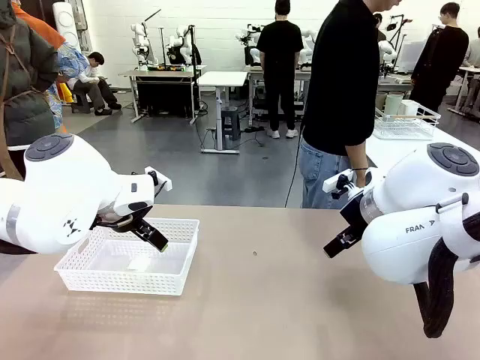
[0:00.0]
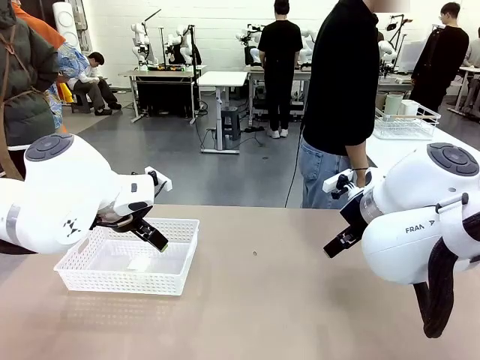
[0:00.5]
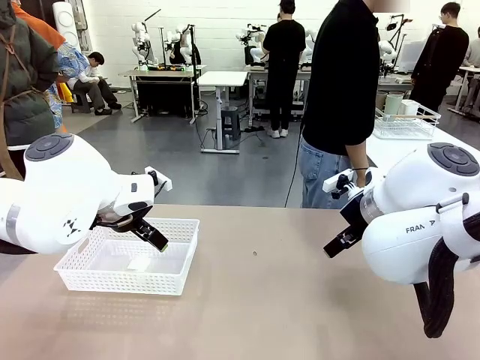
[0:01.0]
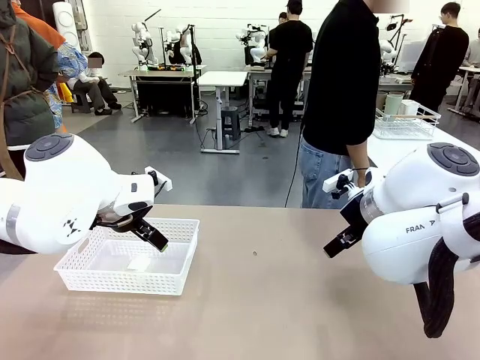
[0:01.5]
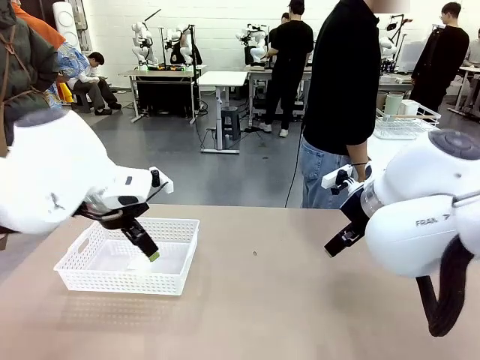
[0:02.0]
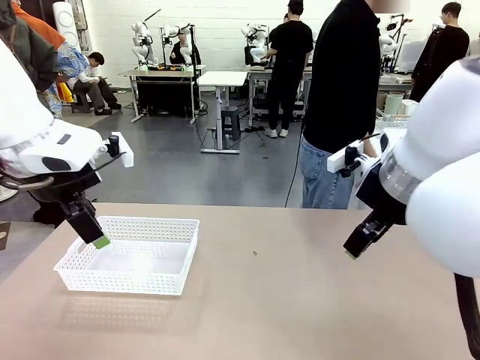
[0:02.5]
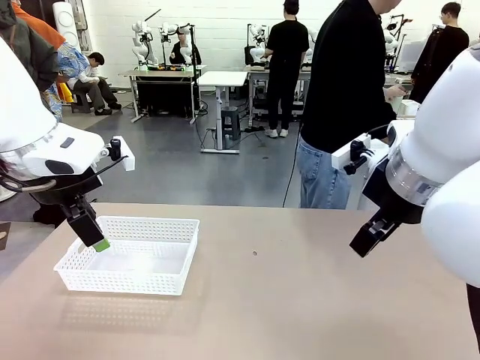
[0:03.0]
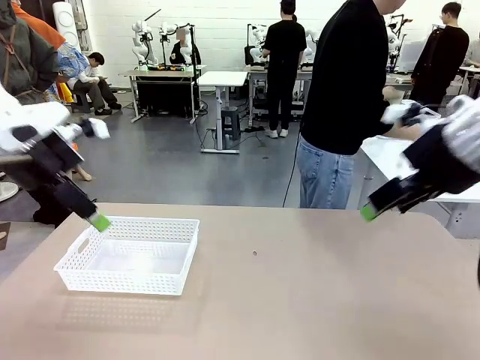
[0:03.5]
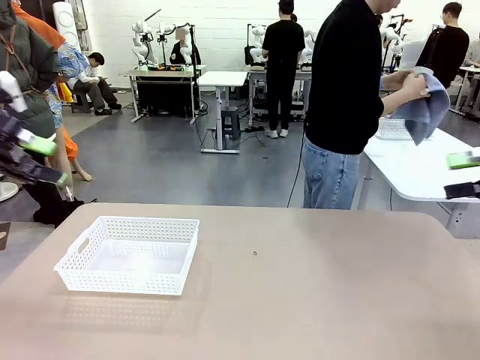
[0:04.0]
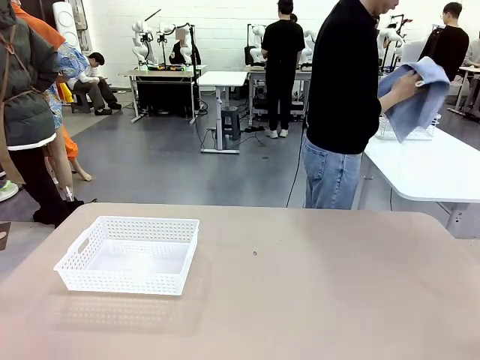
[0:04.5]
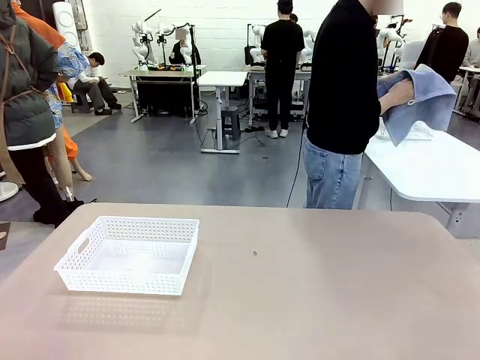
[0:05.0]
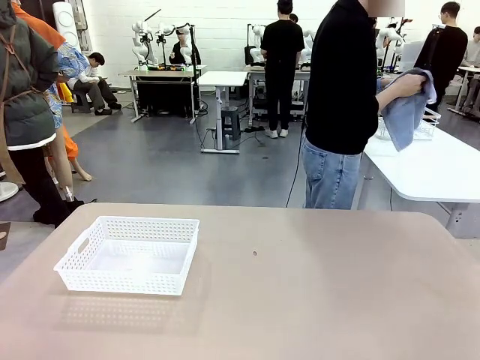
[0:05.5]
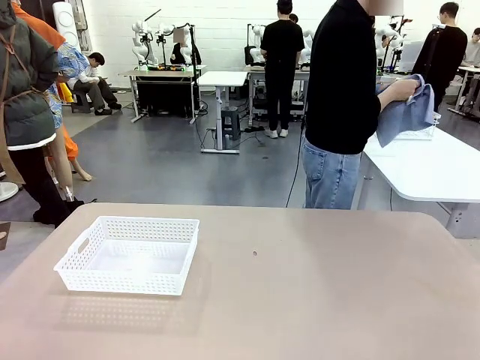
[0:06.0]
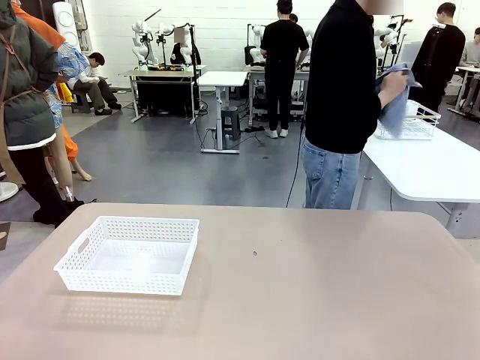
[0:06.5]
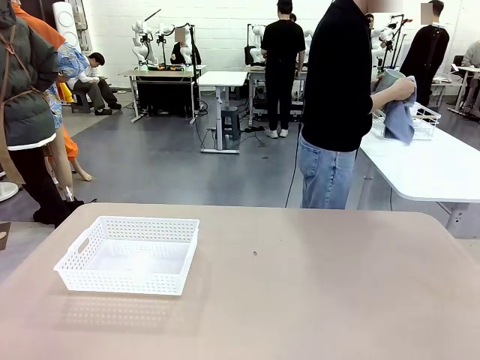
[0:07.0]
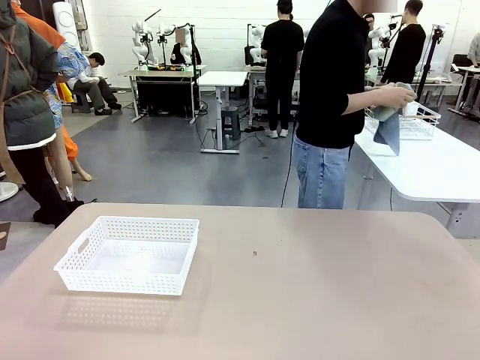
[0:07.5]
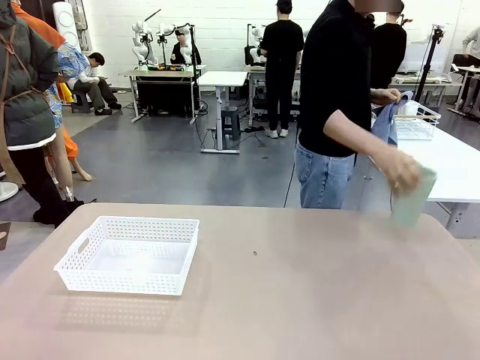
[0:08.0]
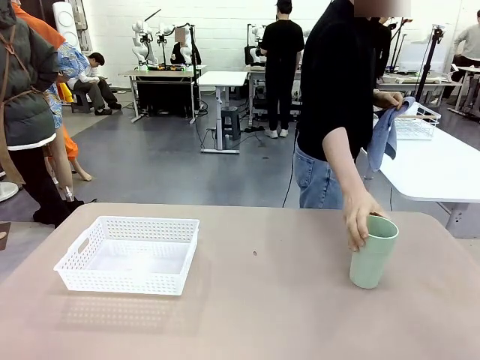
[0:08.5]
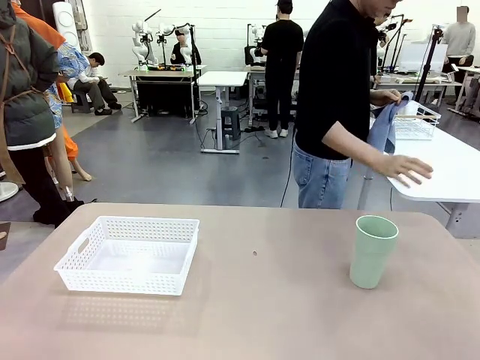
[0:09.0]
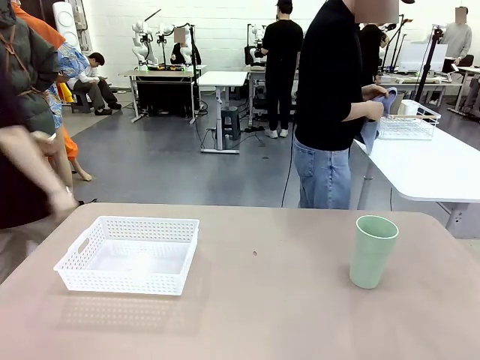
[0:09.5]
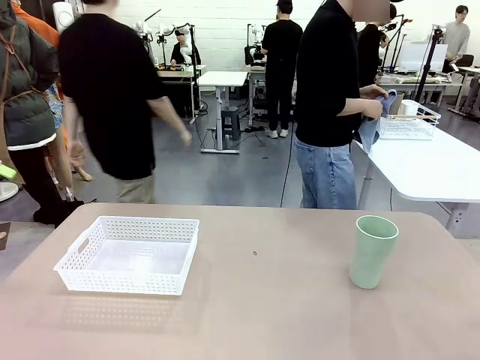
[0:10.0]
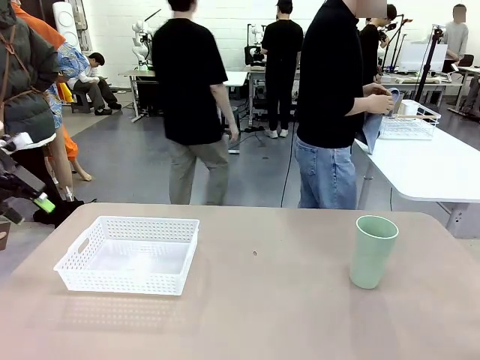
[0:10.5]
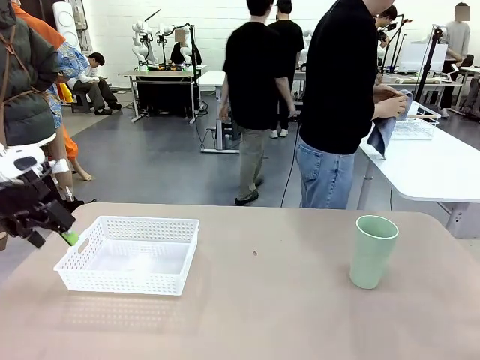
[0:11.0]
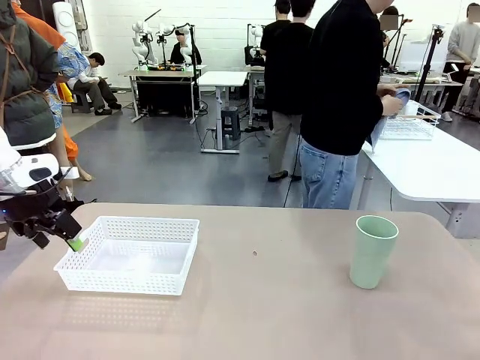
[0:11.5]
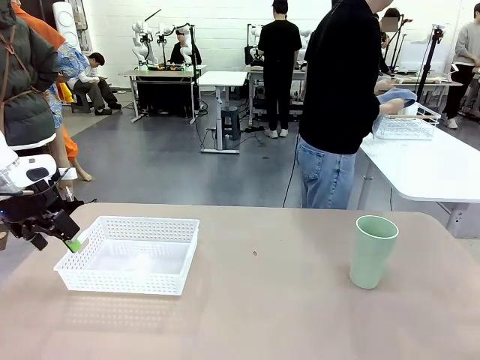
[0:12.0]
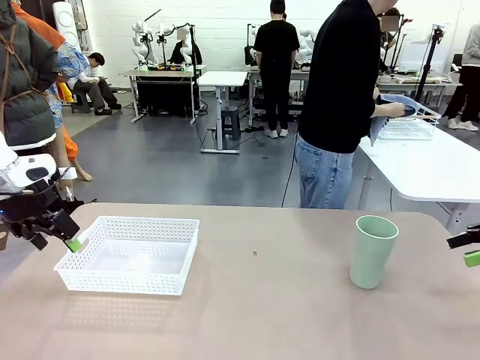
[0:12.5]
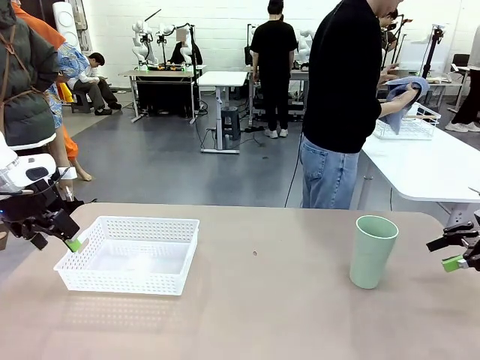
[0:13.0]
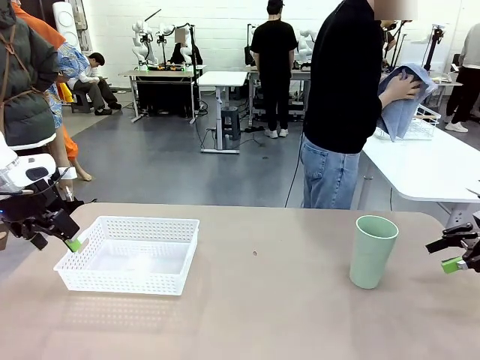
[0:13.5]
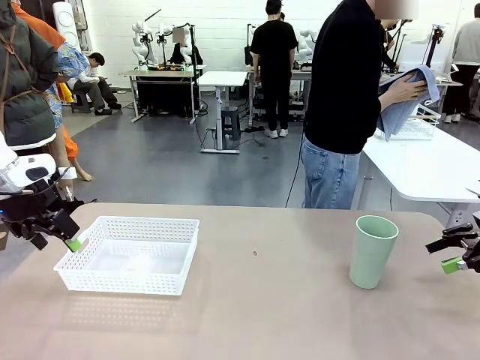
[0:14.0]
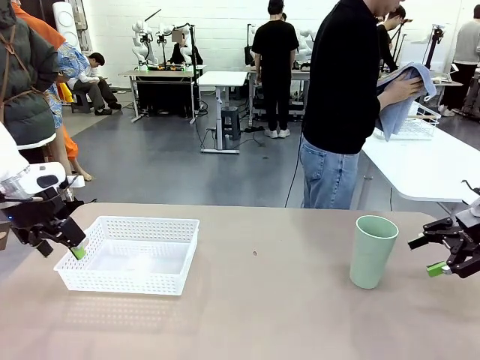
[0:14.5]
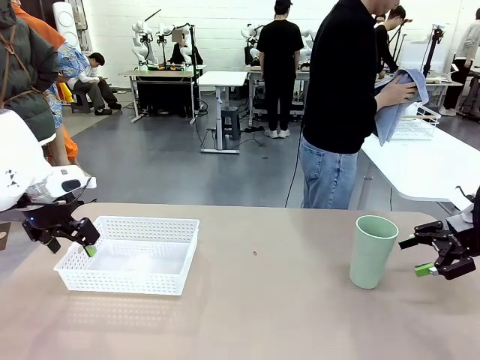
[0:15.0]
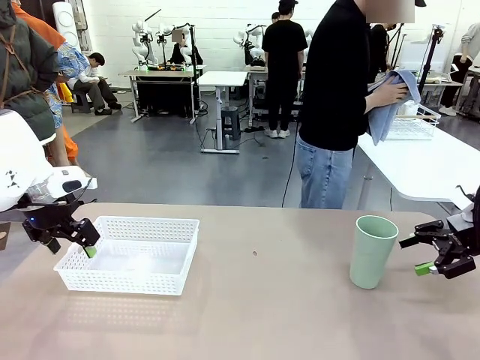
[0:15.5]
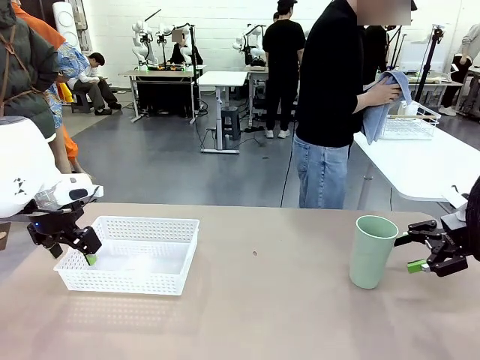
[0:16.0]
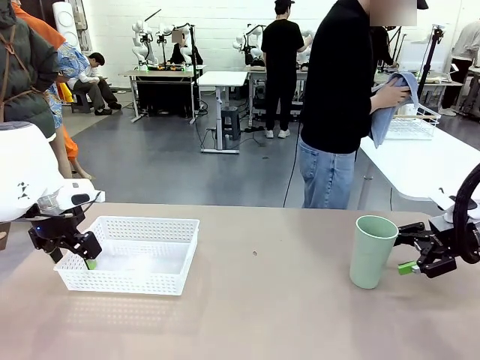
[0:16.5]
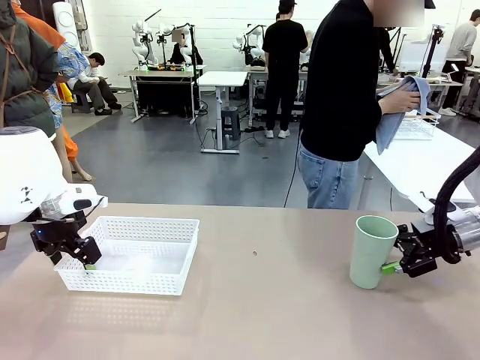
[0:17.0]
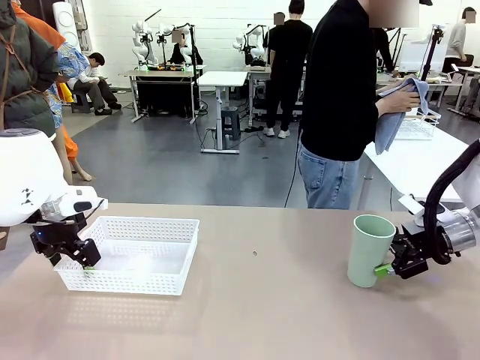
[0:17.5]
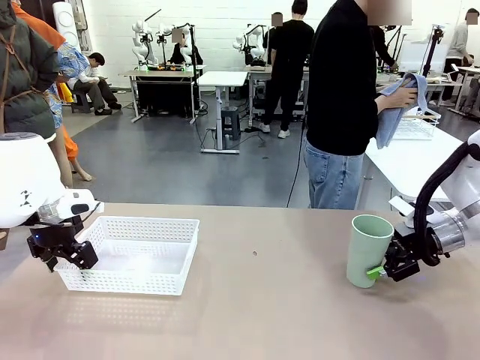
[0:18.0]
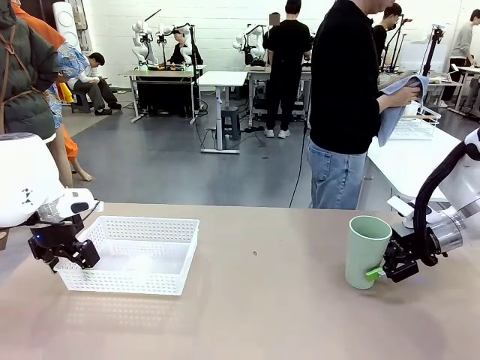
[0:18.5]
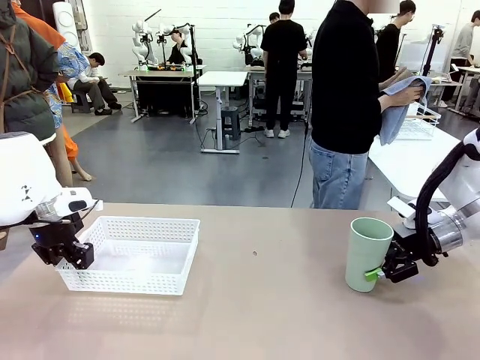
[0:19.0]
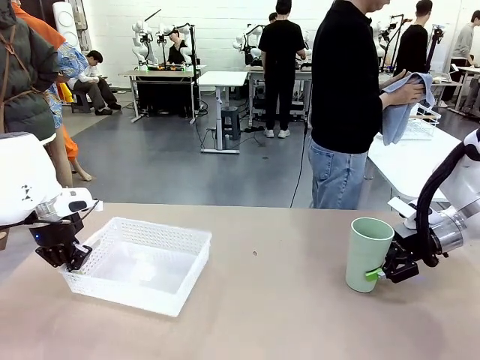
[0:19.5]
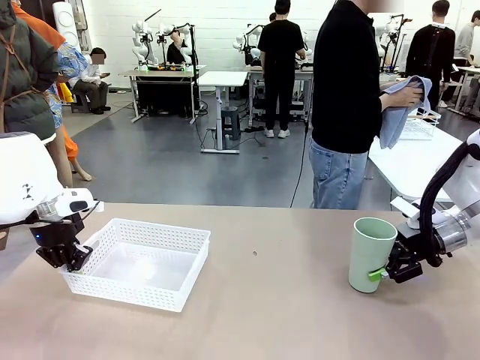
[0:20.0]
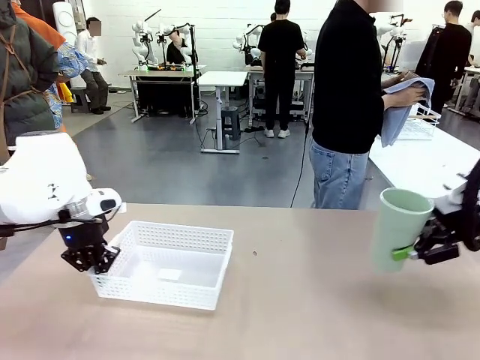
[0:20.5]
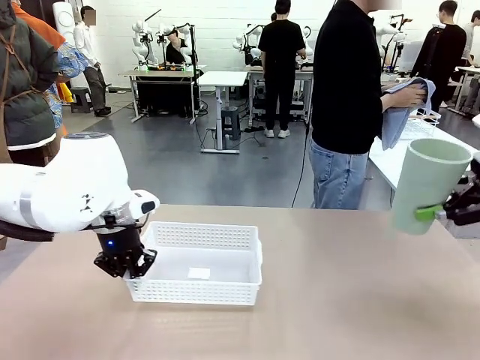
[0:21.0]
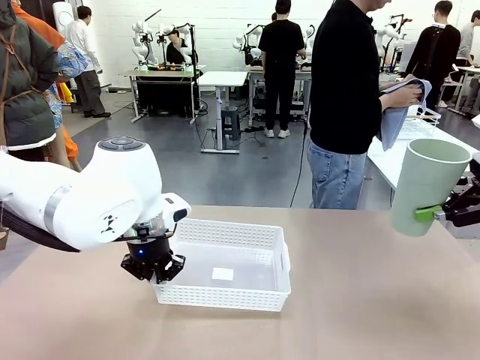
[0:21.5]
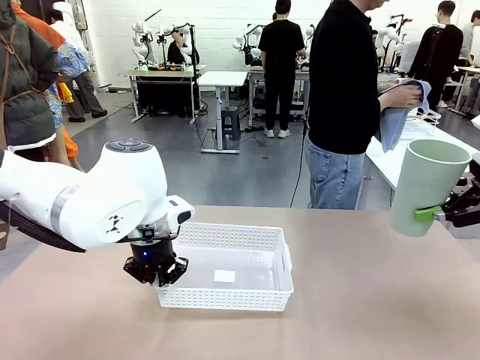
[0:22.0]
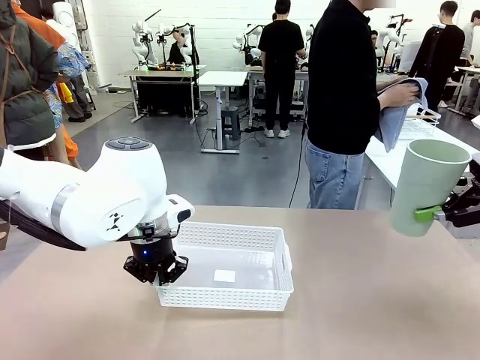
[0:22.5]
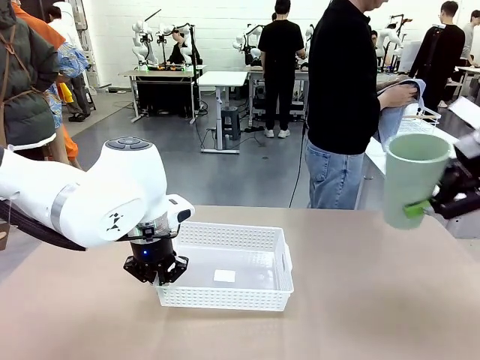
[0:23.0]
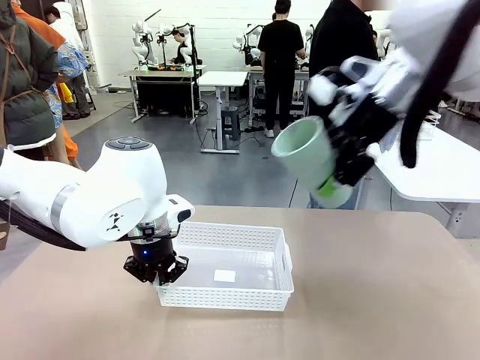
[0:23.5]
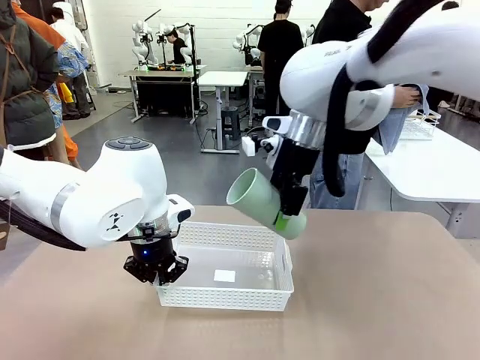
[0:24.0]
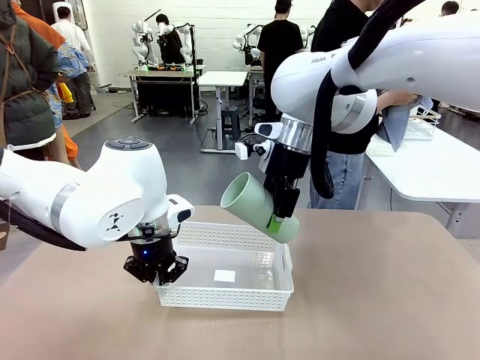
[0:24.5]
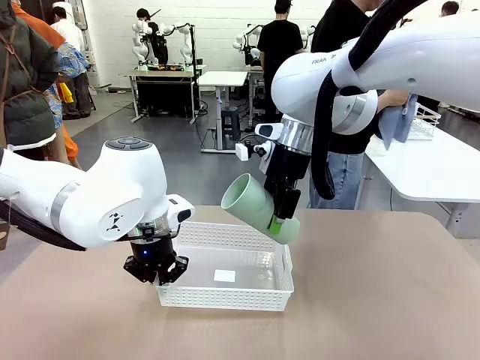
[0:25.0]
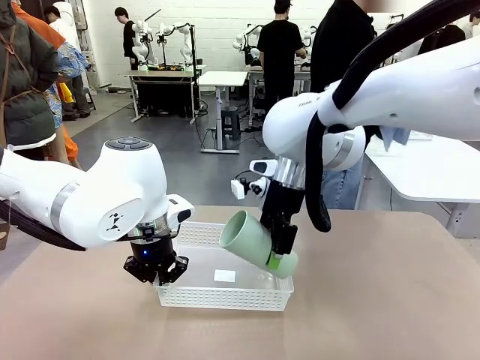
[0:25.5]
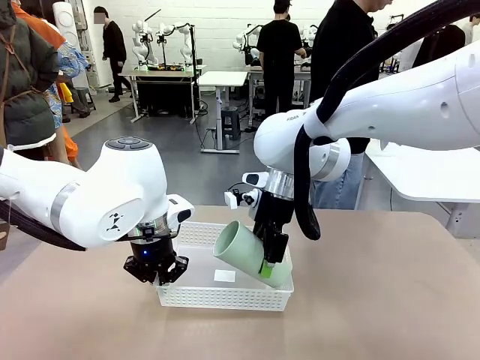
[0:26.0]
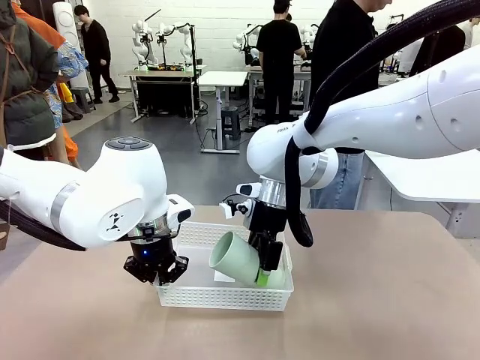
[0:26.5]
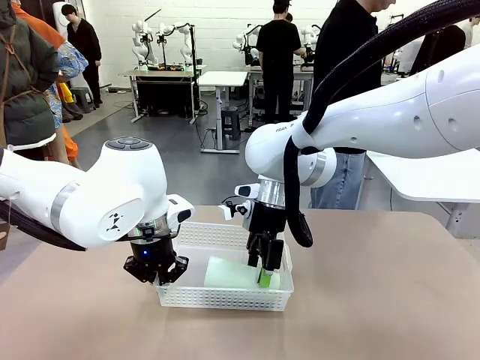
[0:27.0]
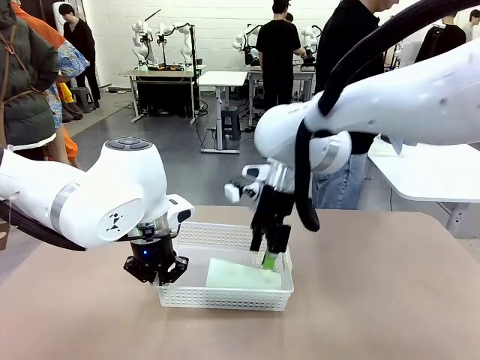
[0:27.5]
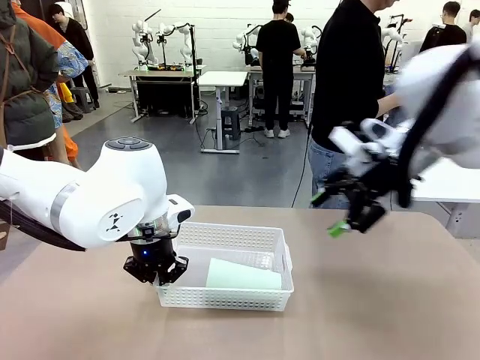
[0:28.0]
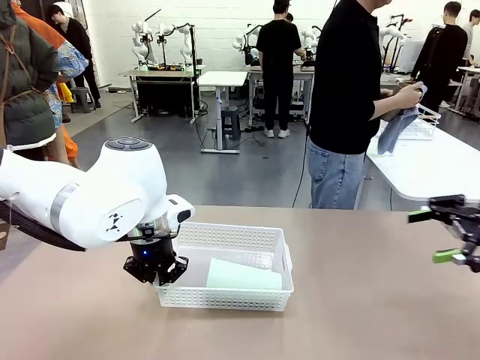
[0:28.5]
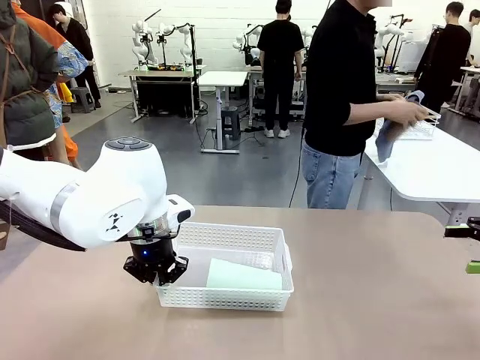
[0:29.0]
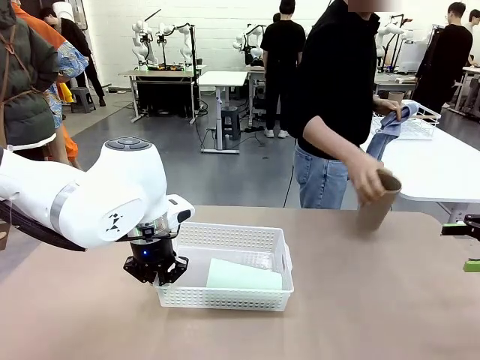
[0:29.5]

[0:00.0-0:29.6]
Task: Clean and organize the cups into the basket.
Robot: Pick up the Organizing basket and move it to the center of the table, then pick up the Reusable plastic cup from the right side of the table and place it inside the Organizing basket.
Person: Picks up a cup and a towel, cleans the cup with the towel, and places it on the left side of the robot table. Picks up a cup from the drying rack, cleans the cup with the towel, and places it on the left side of the robot table.
